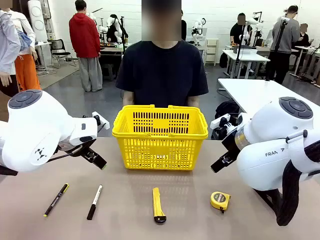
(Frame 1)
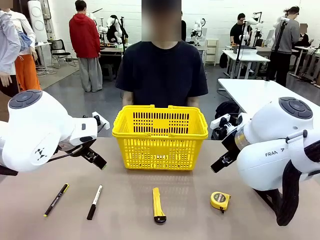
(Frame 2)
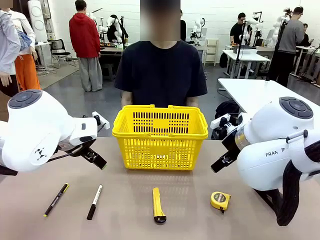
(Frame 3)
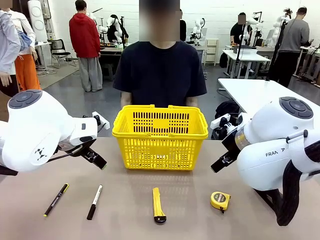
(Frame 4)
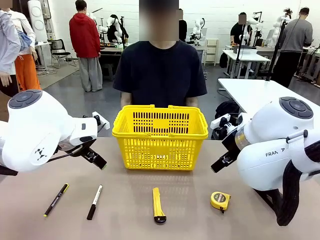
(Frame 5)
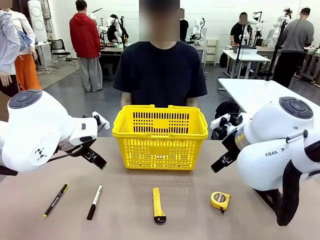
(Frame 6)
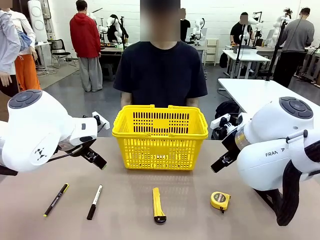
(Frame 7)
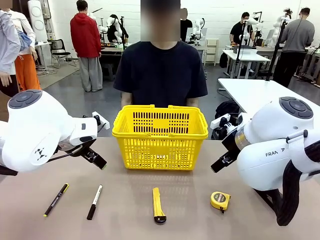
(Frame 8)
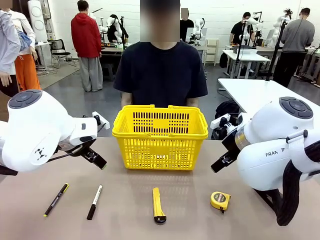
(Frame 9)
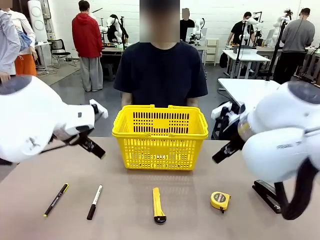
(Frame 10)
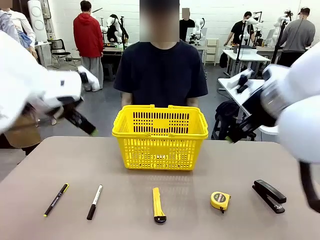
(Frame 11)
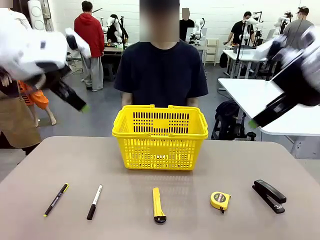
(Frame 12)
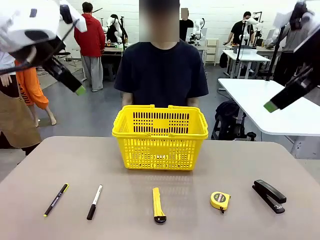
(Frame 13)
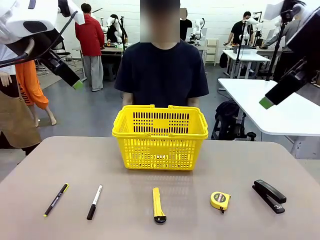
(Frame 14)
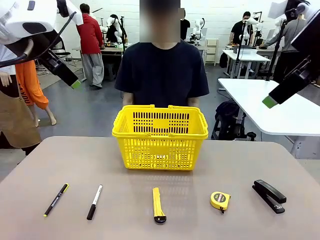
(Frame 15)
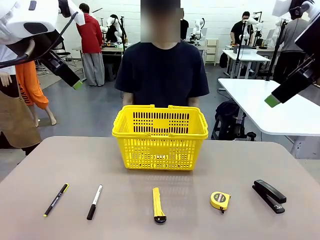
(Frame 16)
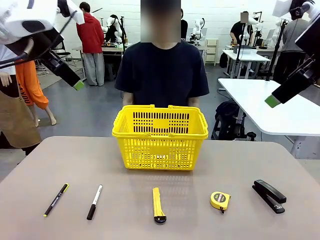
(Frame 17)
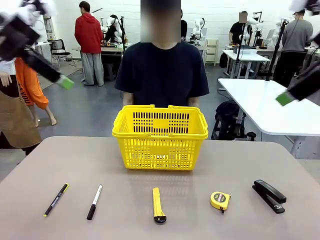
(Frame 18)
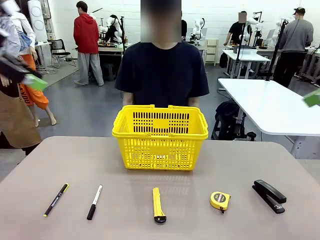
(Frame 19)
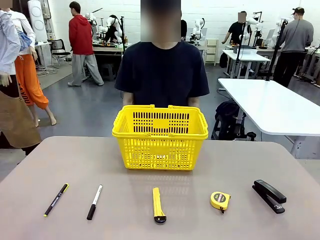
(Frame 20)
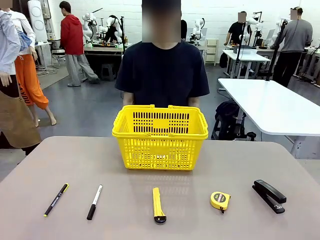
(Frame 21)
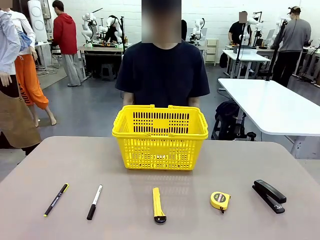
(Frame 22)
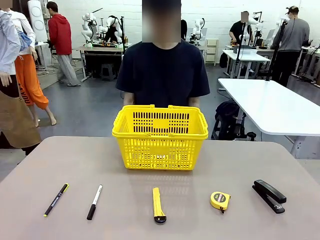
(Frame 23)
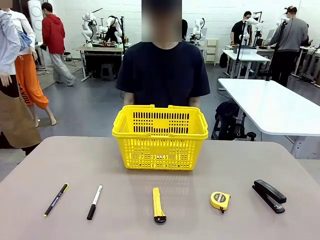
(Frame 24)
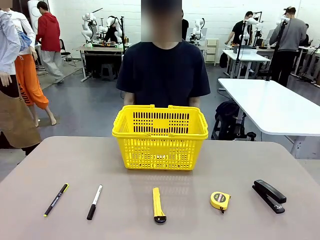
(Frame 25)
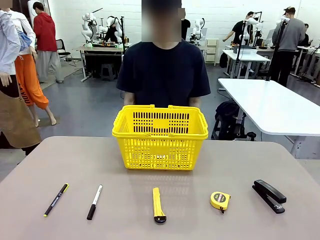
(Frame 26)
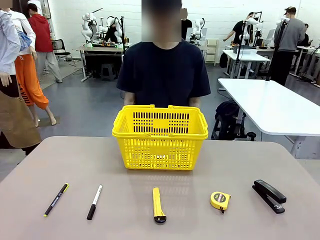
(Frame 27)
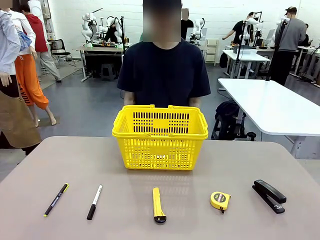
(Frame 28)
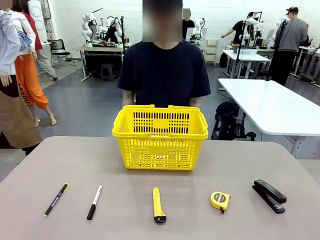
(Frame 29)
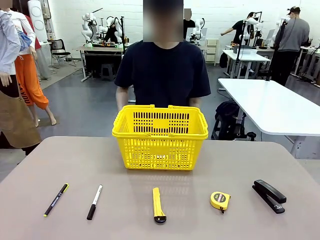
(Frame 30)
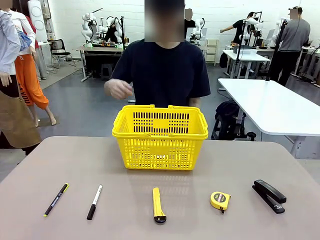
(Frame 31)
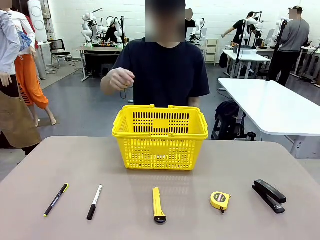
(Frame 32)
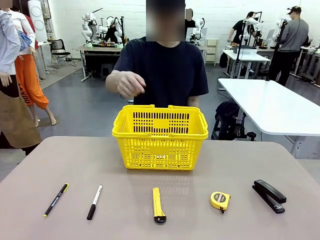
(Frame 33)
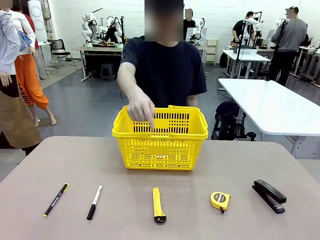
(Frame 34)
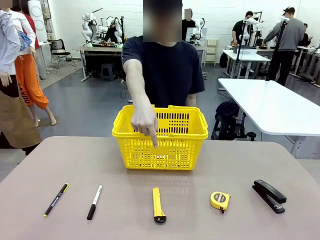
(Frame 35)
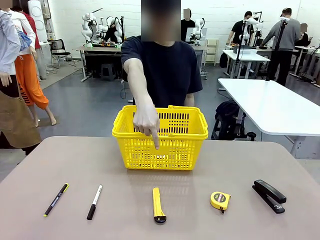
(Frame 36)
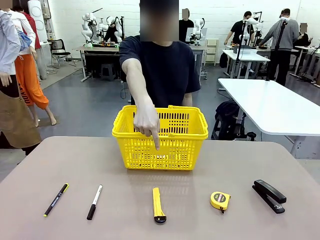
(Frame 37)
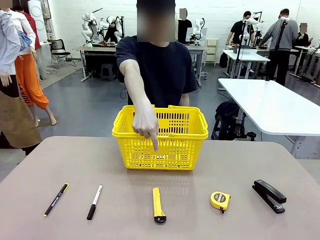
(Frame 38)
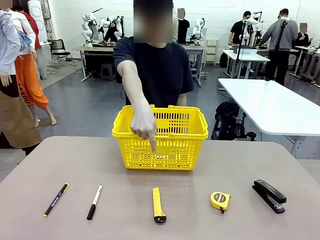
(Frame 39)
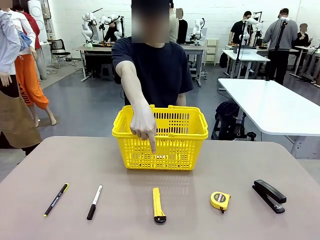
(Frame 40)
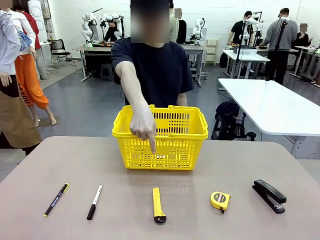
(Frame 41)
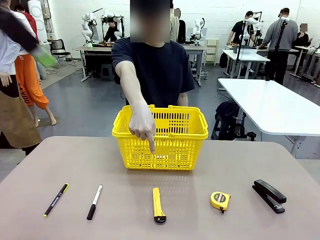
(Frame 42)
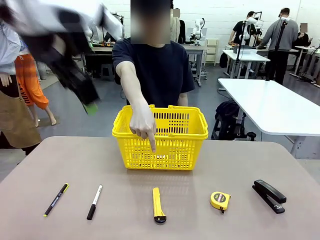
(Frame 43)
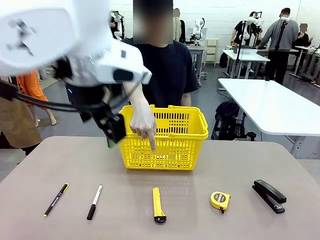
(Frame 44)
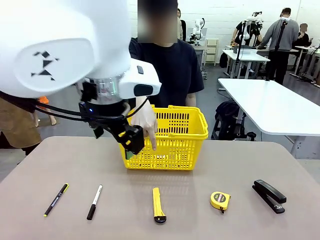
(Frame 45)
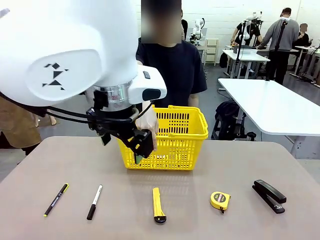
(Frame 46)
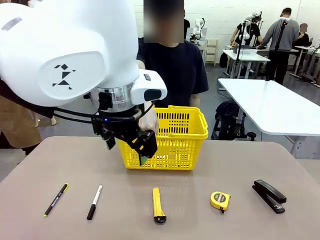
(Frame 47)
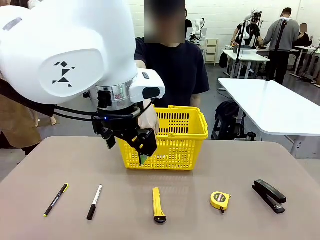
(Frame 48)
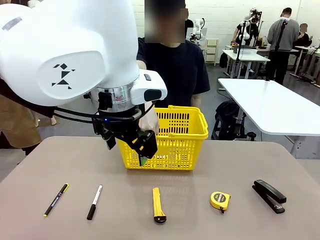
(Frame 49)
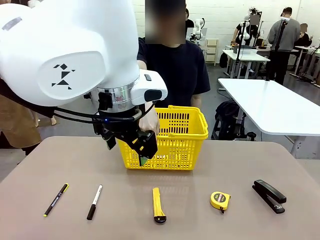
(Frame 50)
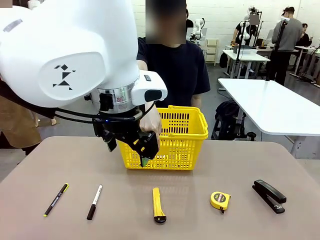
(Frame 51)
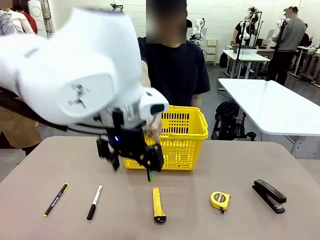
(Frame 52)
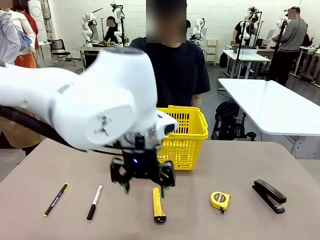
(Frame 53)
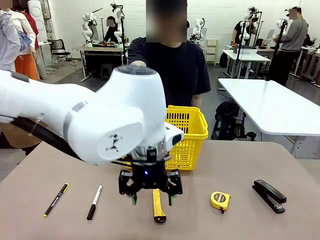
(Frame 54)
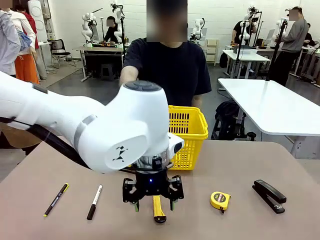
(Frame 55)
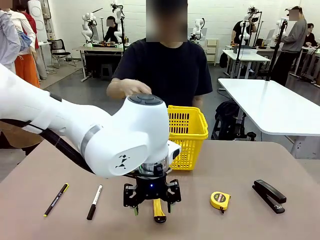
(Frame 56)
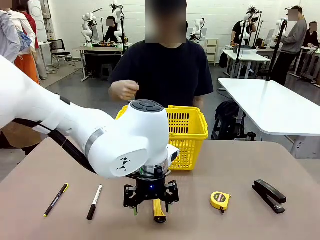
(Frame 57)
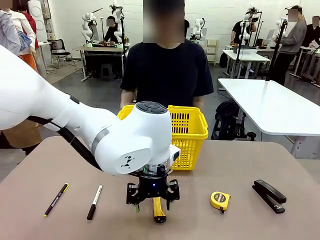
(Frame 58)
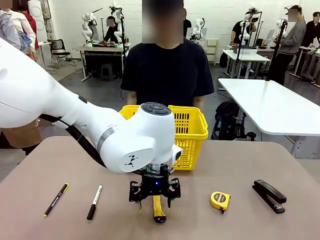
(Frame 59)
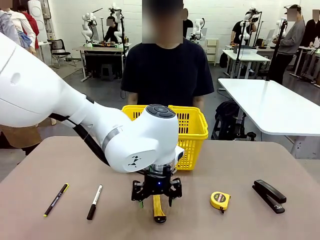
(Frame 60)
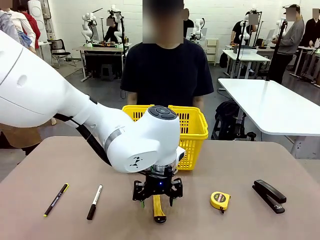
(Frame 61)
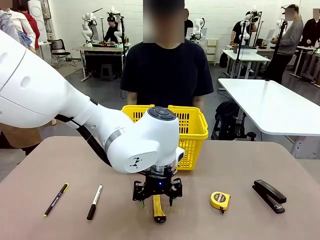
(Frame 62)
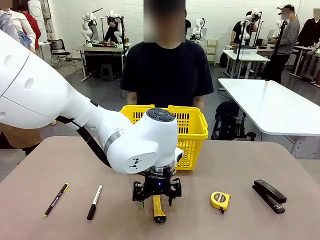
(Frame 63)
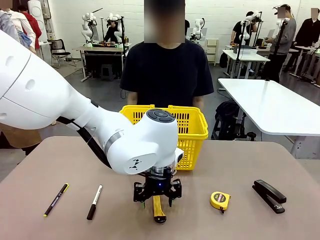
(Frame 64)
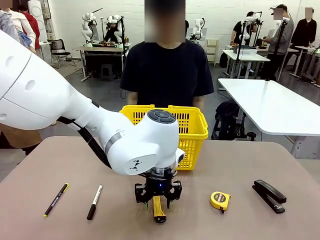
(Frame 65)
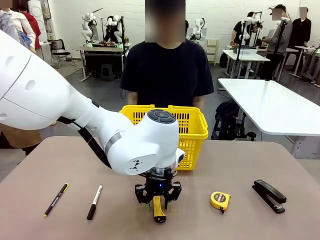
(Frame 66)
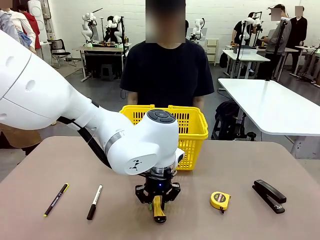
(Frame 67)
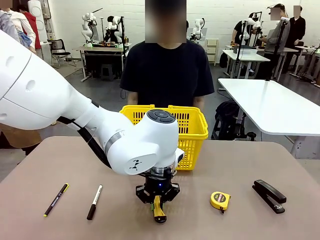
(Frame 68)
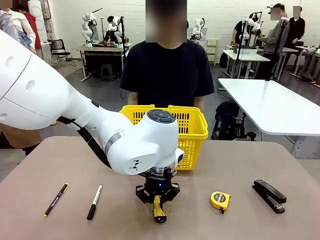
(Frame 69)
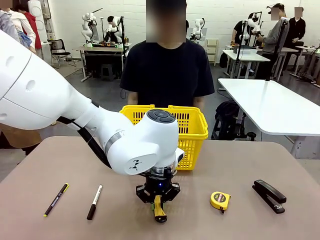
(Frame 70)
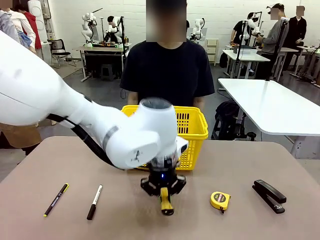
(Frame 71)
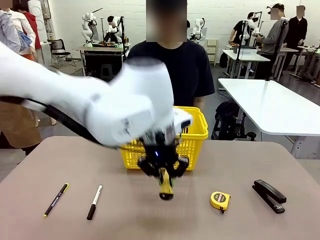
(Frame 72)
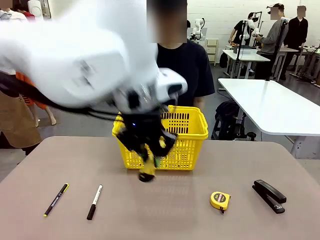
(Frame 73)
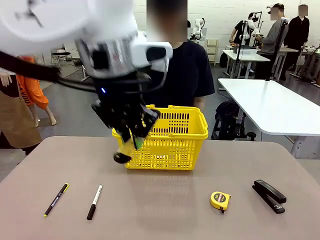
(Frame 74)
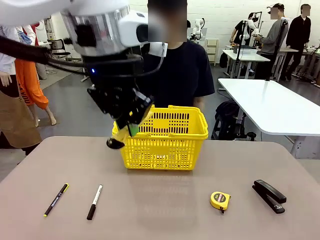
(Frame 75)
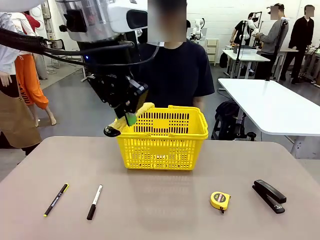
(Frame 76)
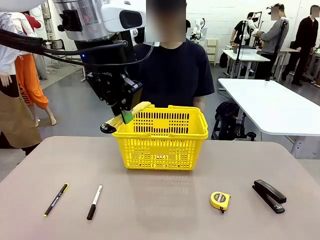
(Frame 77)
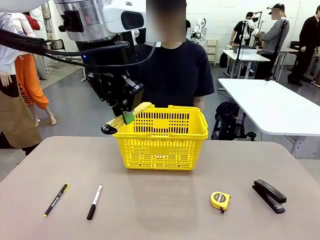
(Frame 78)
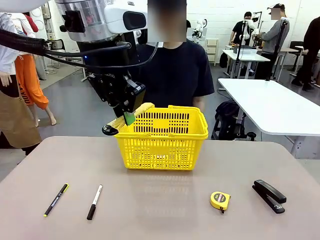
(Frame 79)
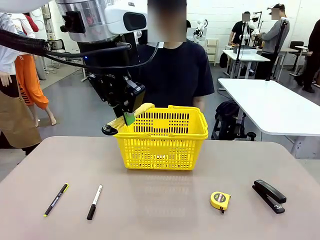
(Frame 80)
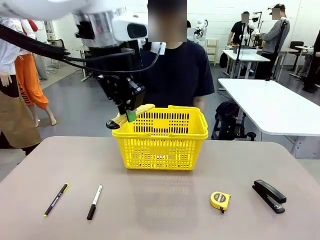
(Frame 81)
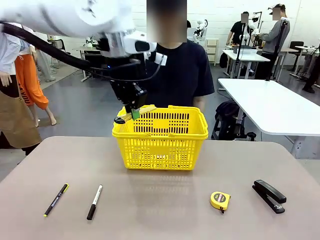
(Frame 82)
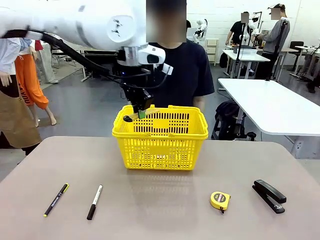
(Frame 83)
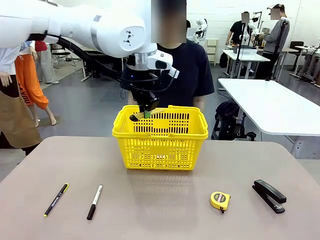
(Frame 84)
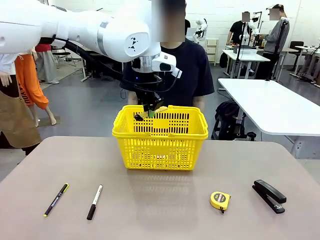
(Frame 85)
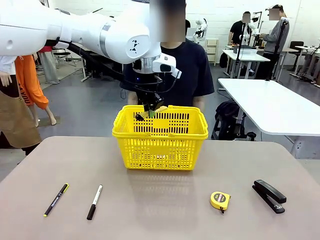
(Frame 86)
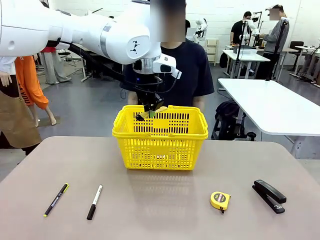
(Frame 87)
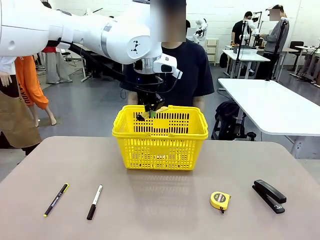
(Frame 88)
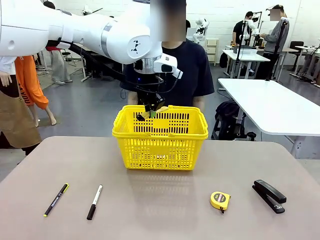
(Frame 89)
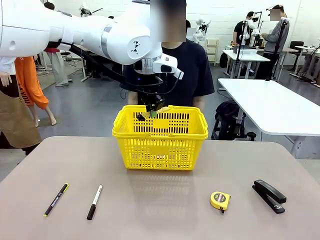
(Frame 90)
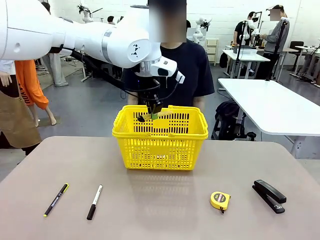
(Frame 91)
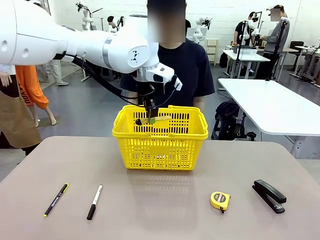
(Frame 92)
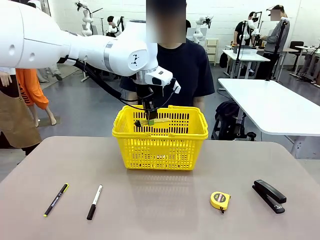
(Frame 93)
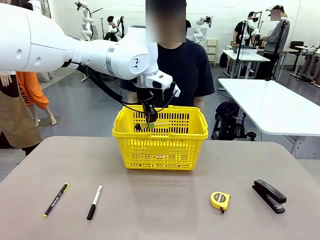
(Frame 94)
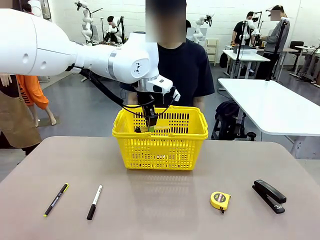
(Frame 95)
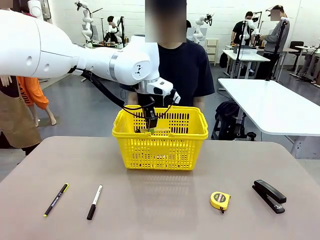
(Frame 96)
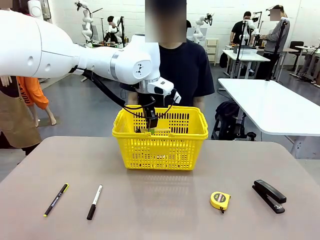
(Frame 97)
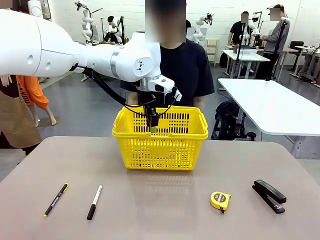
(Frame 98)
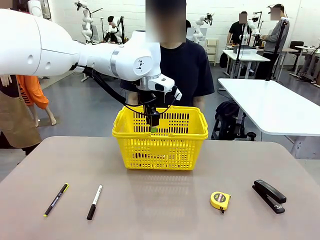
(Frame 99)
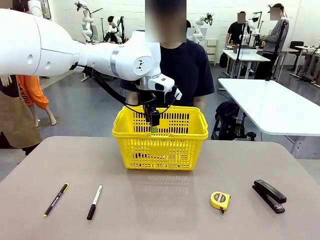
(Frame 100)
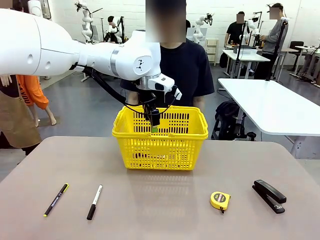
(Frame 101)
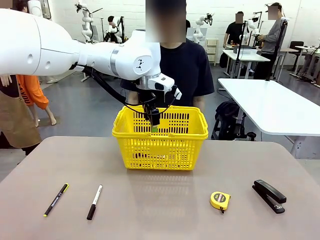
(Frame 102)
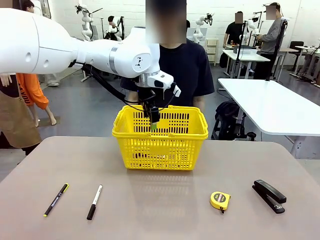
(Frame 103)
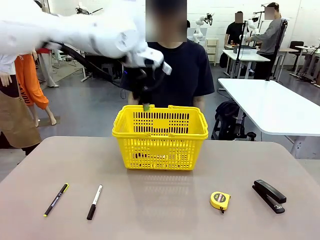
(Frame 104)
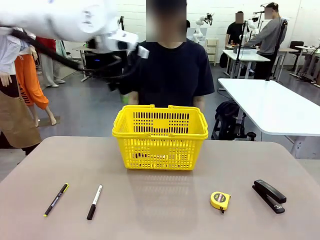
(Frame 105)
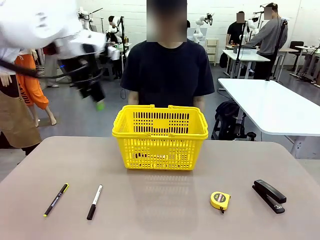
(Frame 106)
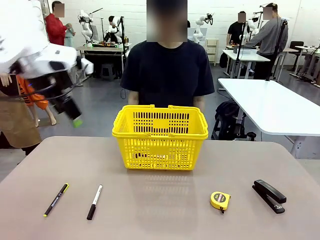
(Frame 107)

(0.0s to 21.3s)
Task: Place the items the person wants into the basket.
Robot: Pick up the item the person points to and place it in the Market Basket.
